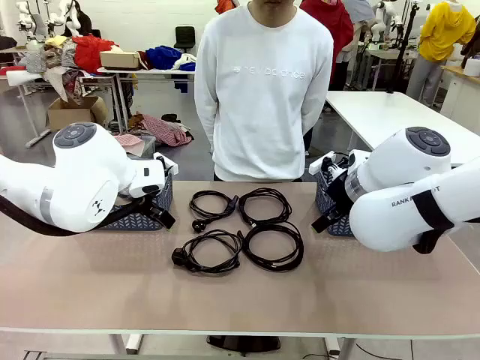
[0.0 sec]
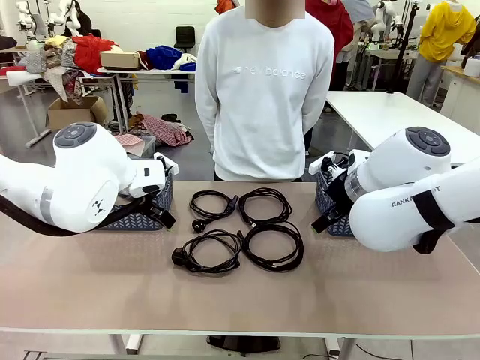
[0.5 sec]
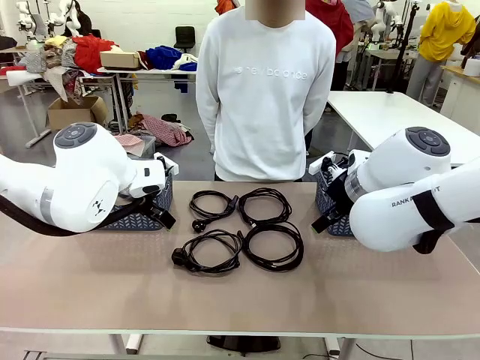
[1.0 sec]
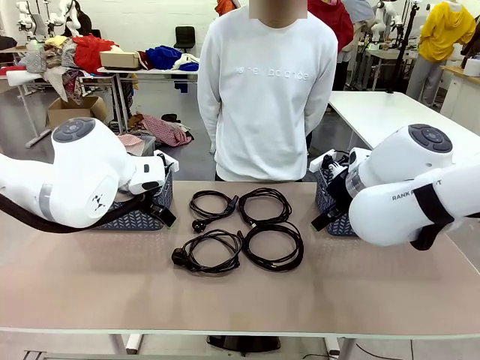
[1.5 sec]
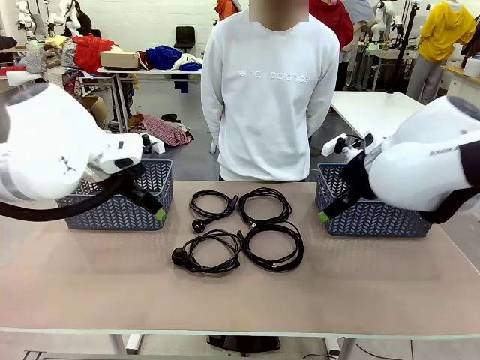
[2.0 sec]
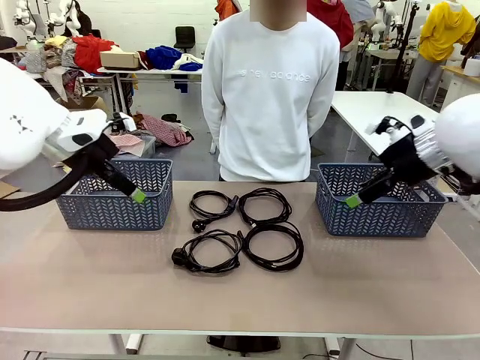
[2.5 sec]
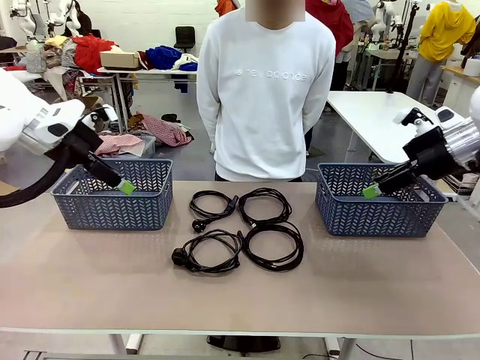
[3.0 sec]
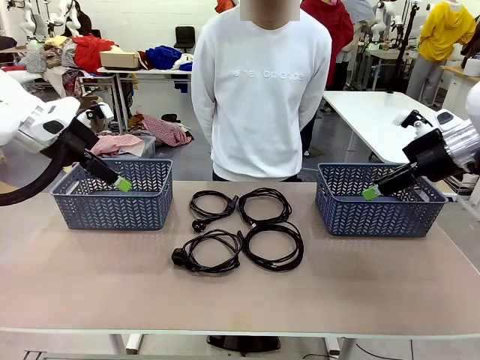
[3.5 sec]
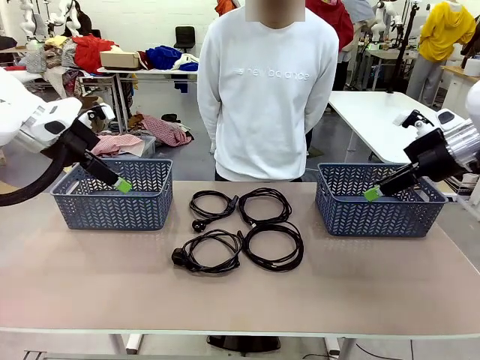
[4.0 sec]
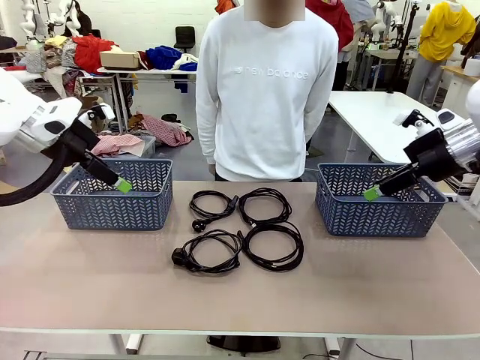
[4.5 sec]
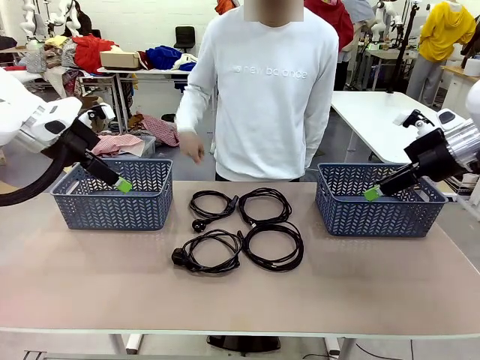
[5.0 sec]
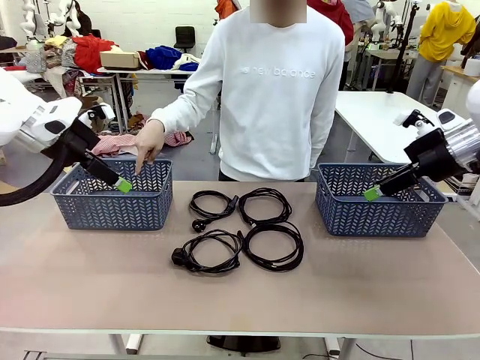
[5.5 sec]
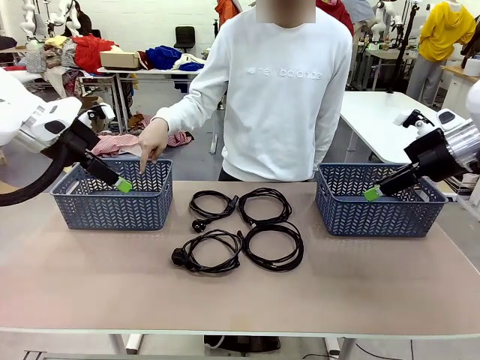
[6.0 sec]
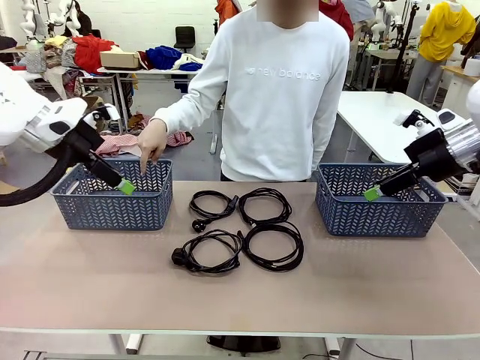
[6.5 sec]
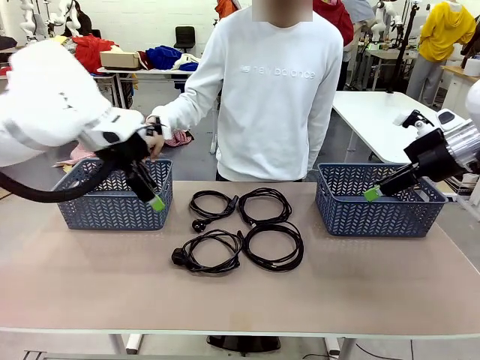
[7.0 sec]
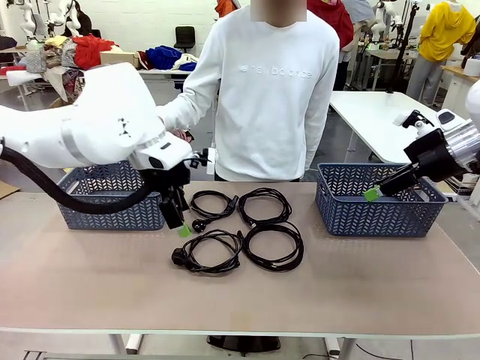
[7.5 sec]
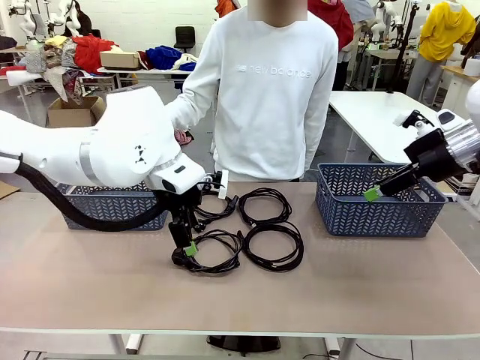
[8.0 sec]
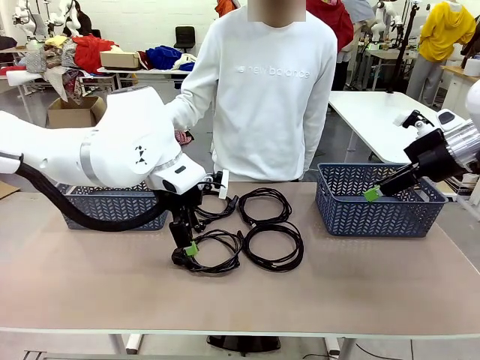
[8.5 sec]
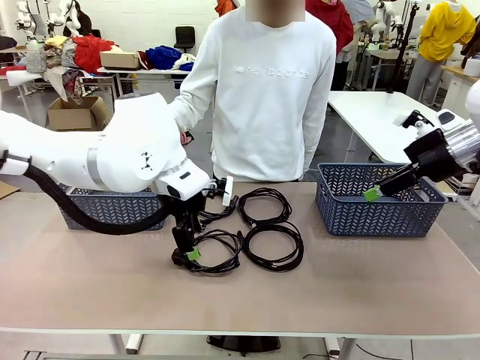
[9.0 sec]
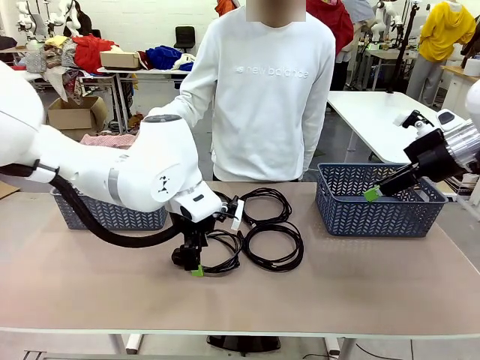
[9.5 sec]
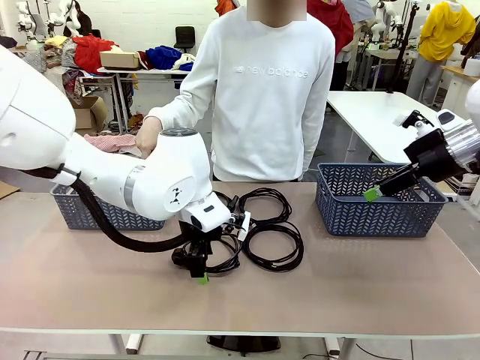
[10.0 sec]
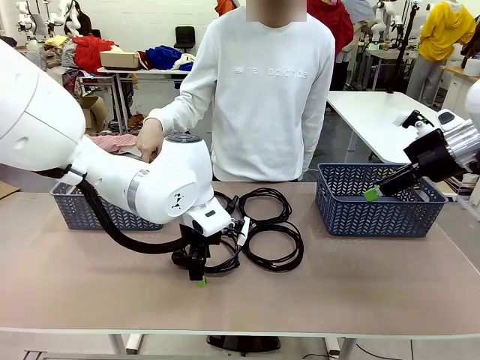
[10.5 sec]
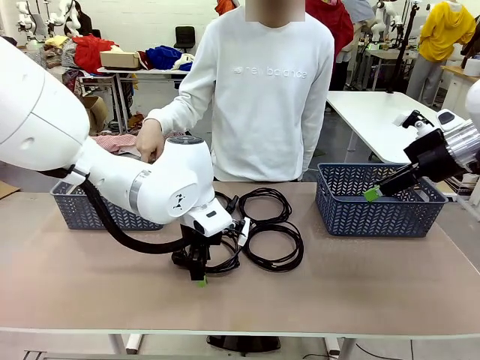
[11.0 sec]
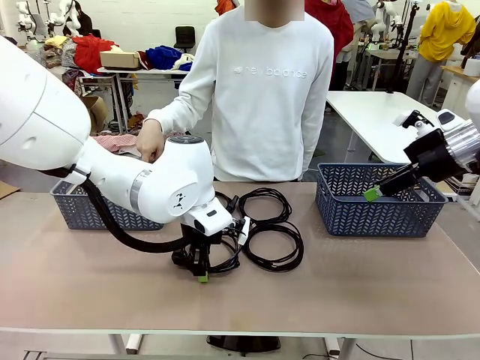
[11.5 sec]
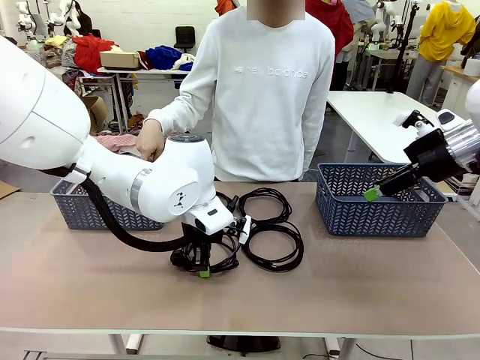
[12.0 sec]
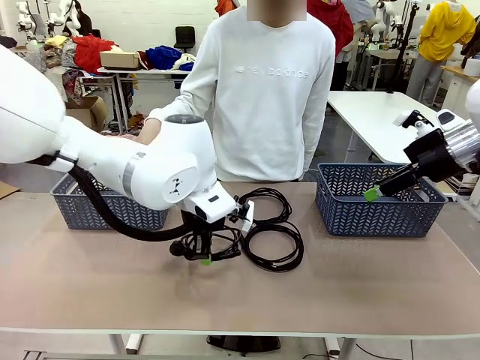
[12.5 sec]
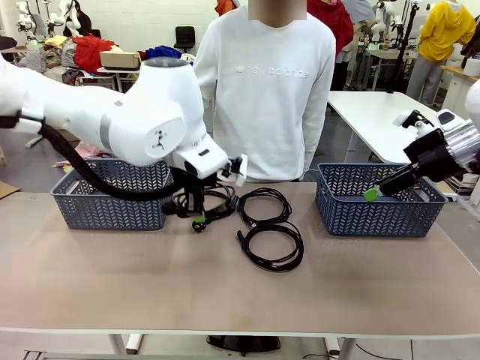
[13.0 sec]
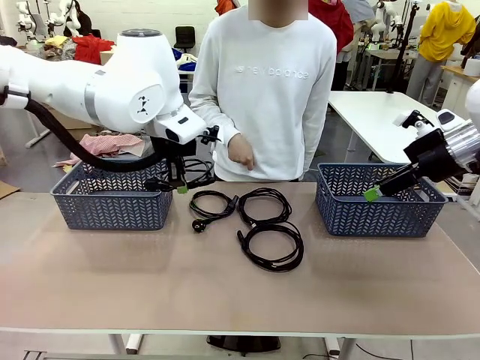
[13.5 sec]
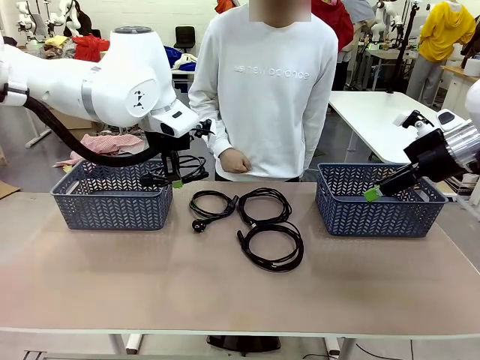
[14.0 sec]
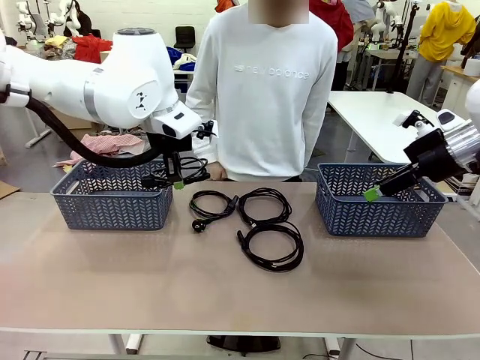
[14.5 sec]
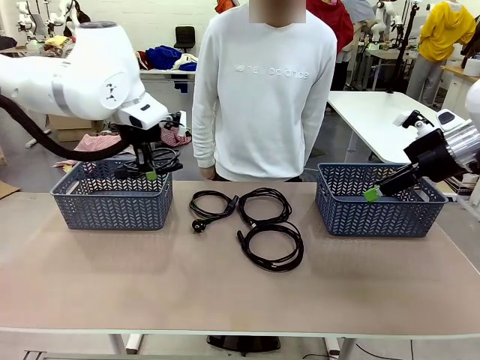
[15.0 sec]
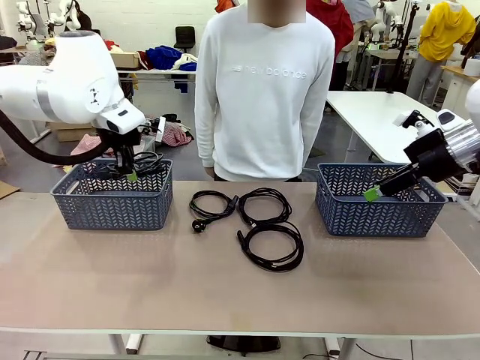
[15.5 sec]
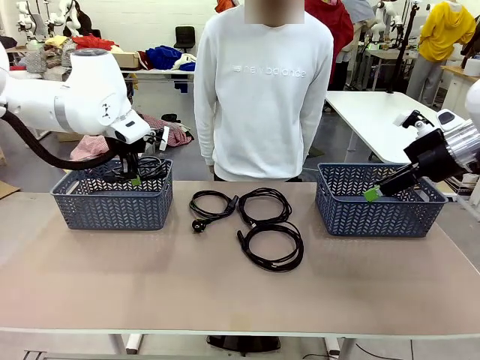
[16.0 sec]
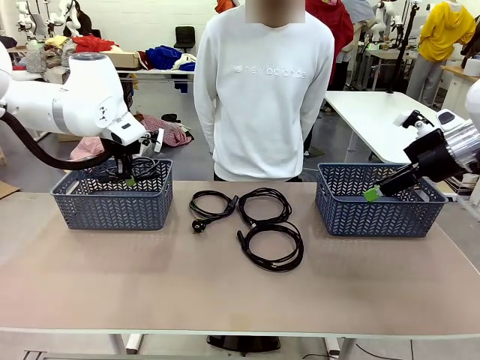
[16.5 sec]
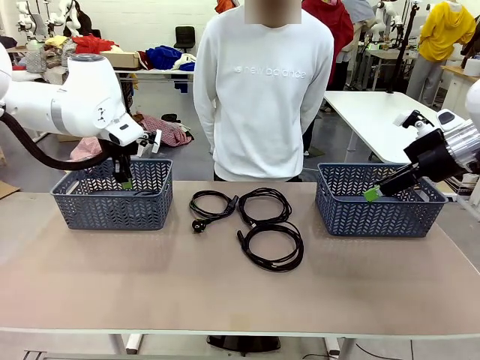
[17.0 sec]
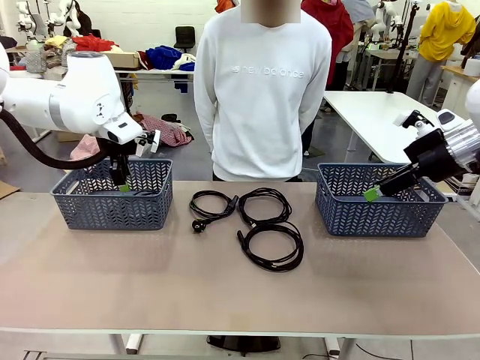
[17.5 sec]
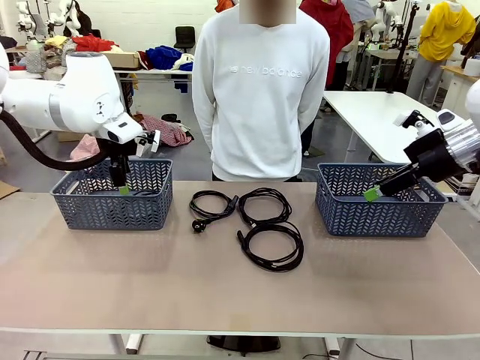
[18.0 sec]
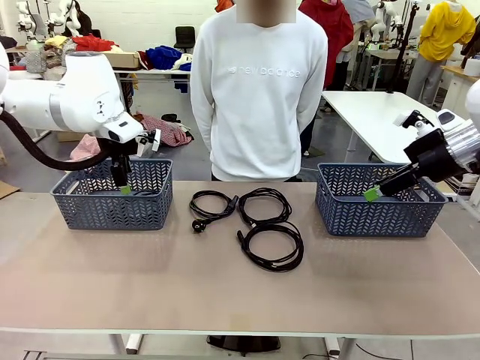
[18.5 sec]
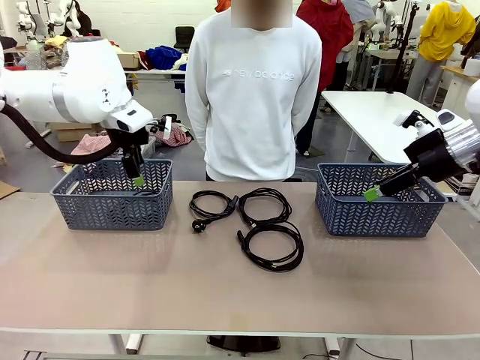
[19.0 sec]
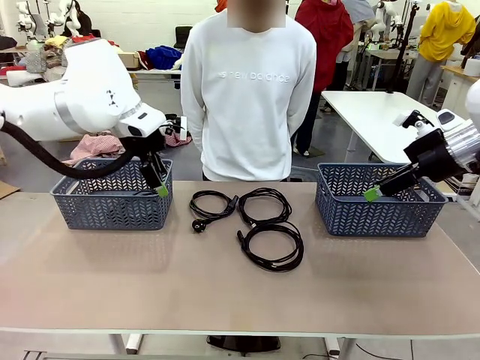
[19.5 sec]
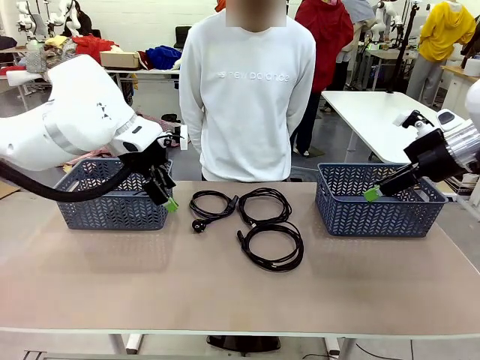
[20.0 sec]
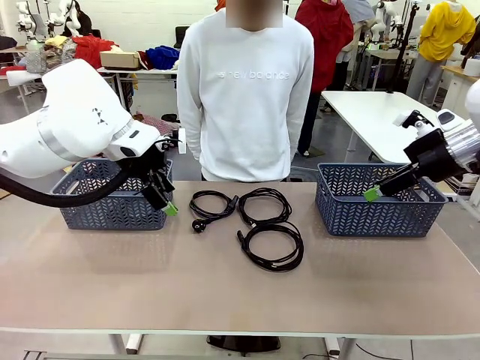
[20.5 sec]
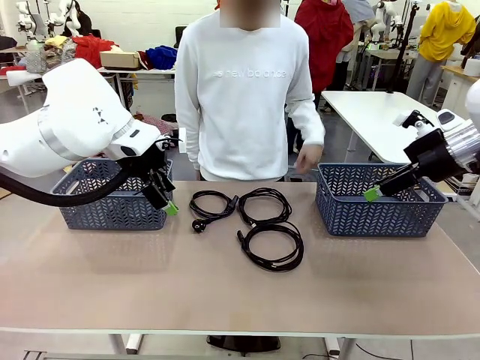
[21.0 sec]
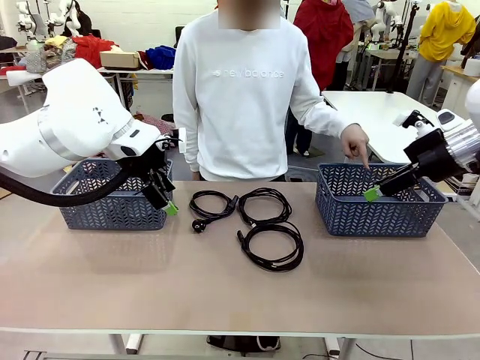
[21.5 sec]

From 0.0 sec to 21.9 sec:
Task: Organize the cables according to human instructions.
Robot: Pick up a bundle of cables and place it in the basket indicated by the human.
